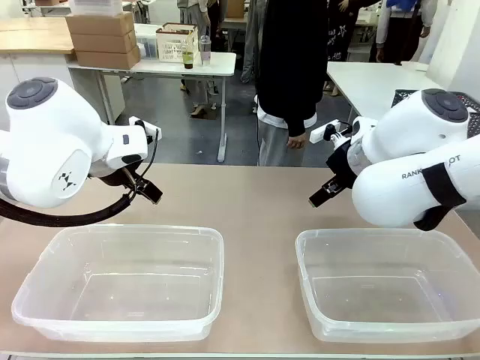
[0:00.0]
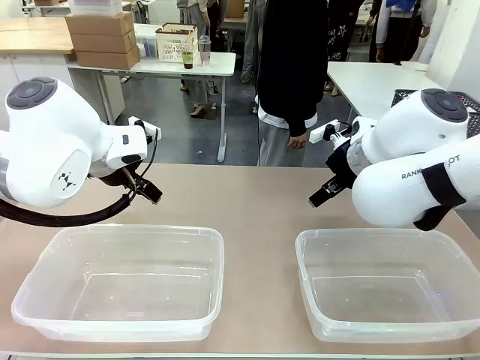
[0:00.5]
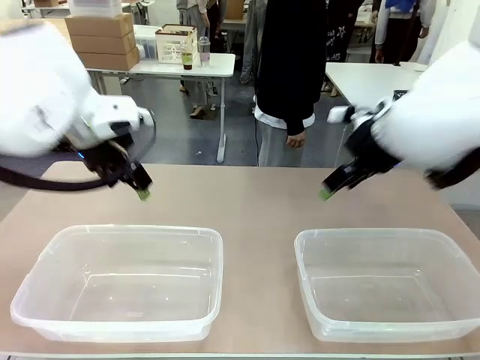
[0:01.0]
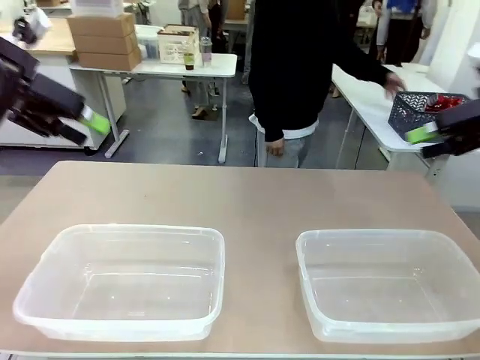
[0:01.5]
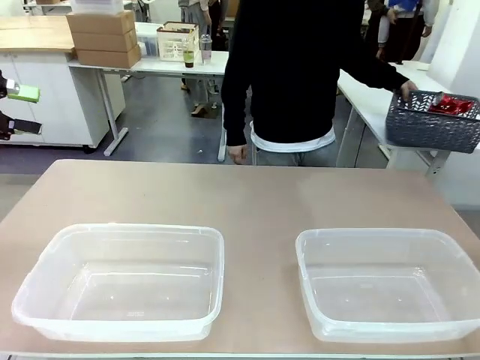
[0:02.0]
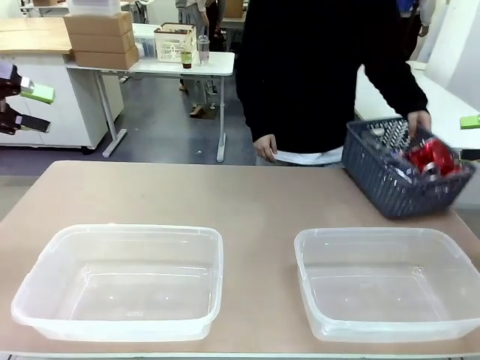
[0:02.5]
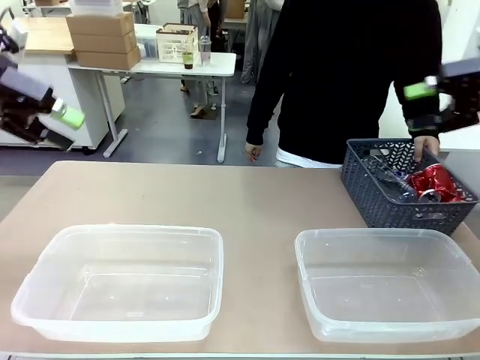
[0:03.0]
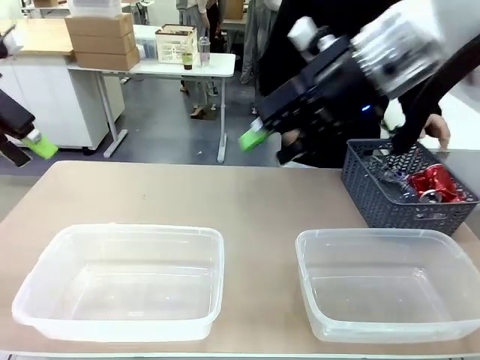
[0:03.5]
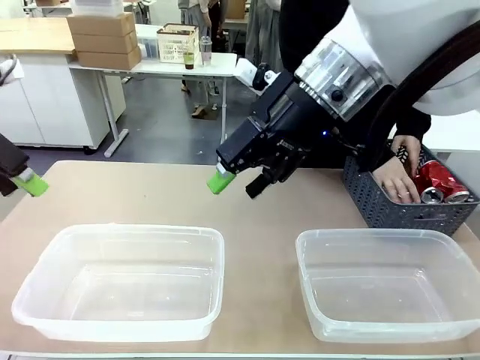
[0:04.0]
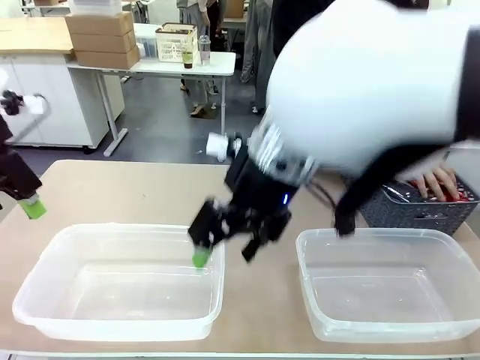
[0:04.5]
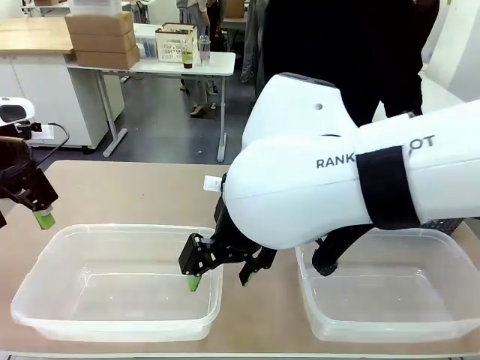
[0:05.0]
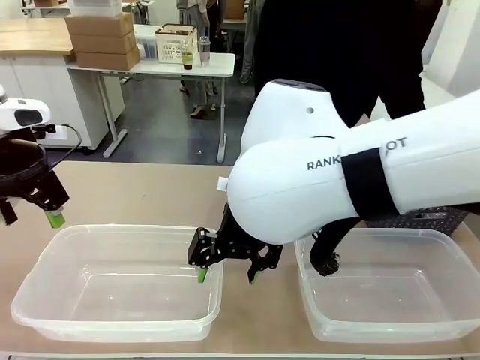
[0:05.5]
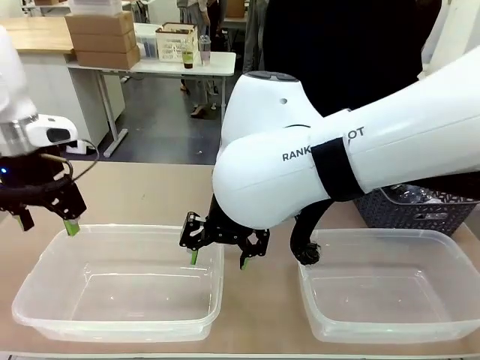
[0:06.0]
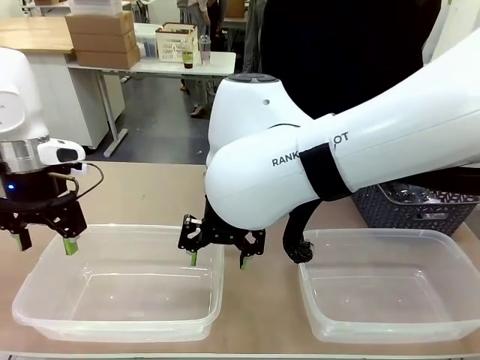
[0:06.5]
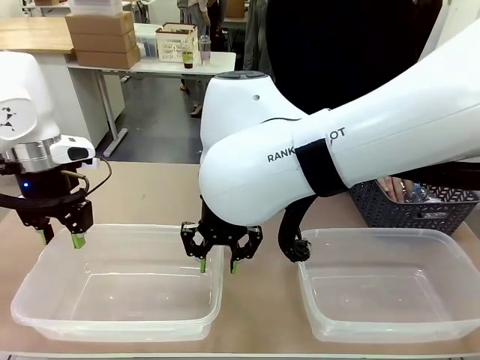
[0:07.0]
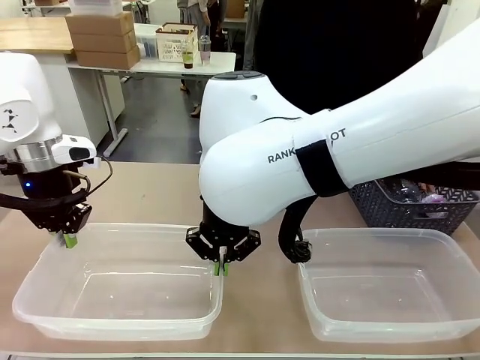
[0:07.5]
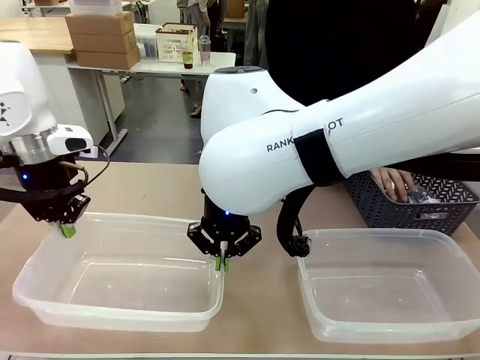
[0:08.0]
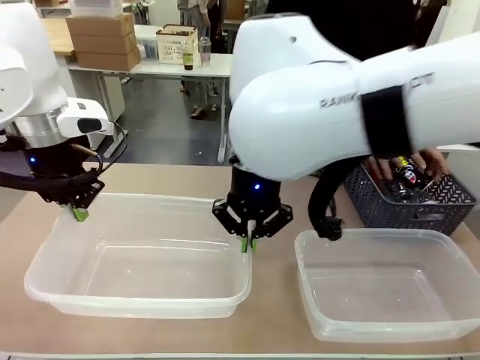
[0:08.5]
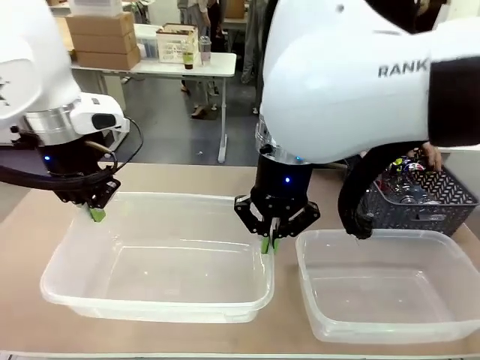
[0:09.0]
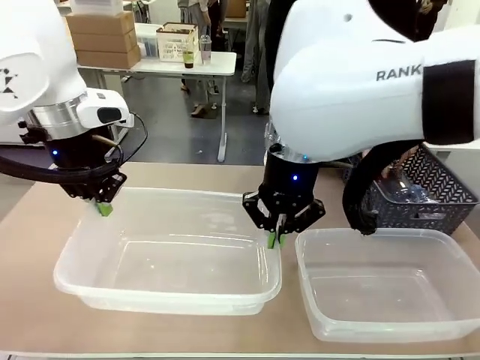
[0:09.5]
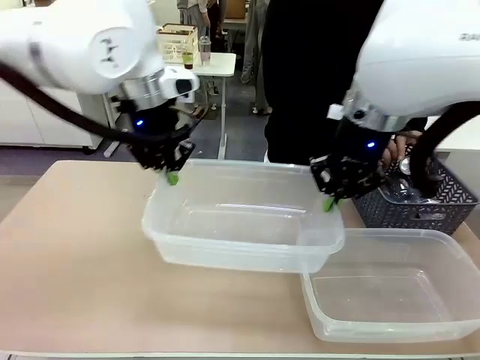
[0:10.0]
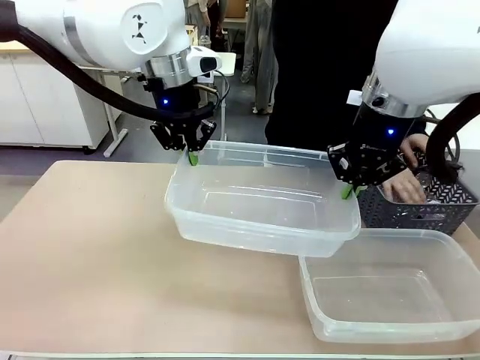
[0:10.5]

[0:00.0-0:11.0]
Robot: Pick up the Organizing box on the left side of the table and lift it.
Person: Pick up the storage basket and place it on the left side of the robot table. Pick up can-shaped waste one by one and place it into the organizing box lifted by the robot.

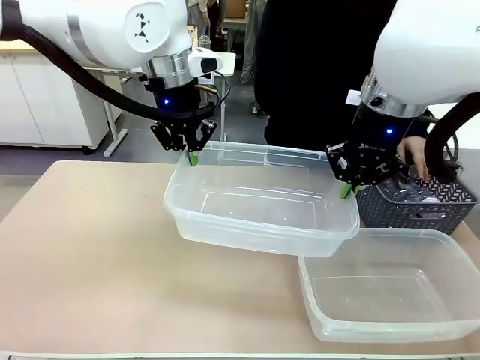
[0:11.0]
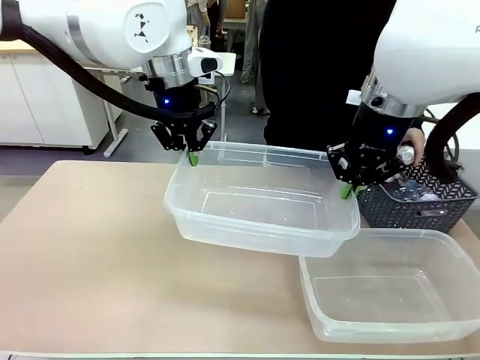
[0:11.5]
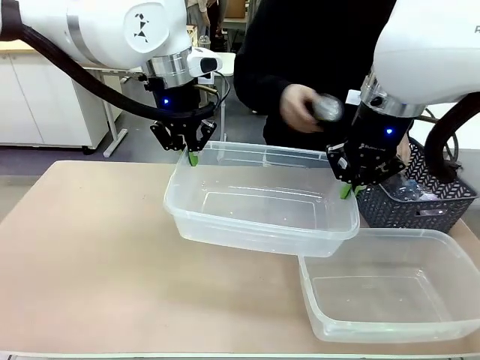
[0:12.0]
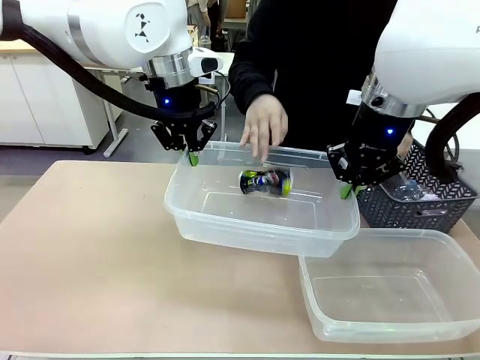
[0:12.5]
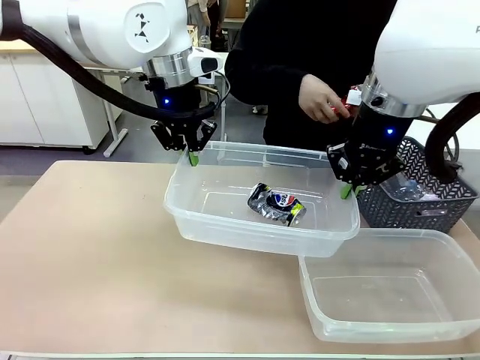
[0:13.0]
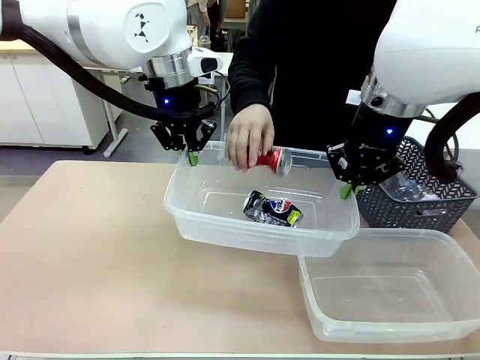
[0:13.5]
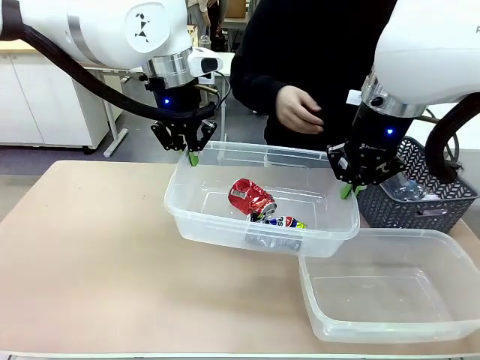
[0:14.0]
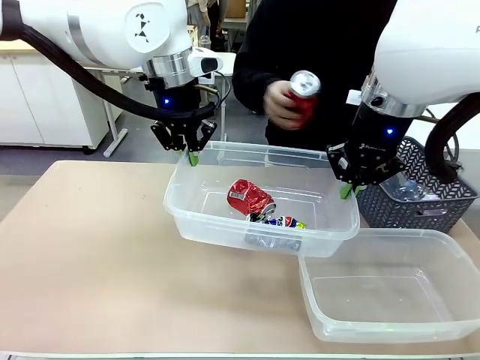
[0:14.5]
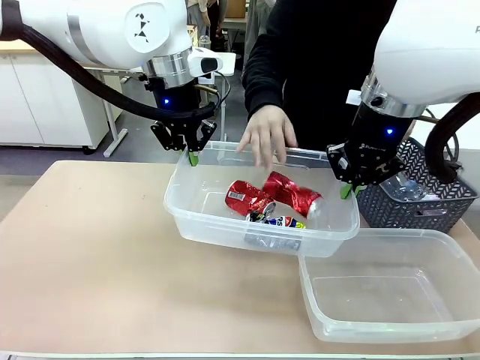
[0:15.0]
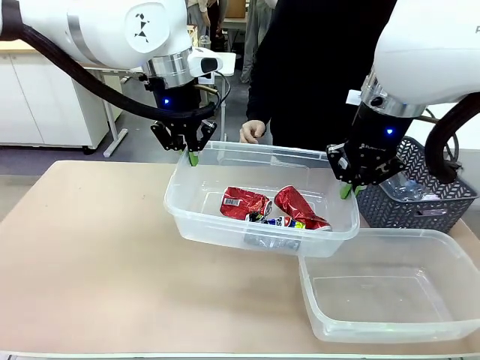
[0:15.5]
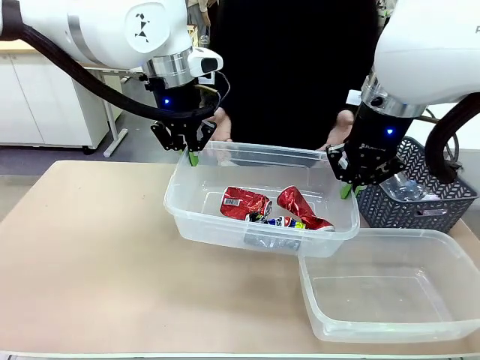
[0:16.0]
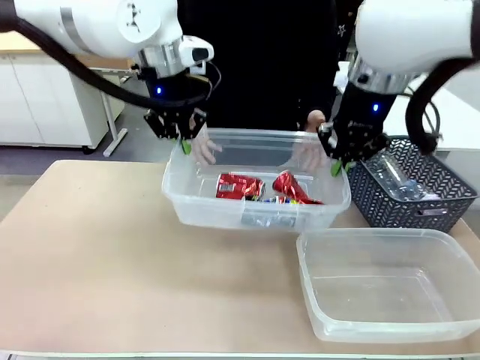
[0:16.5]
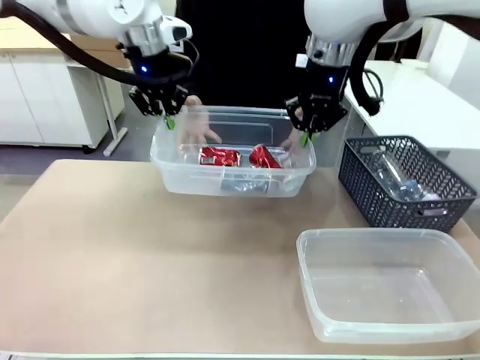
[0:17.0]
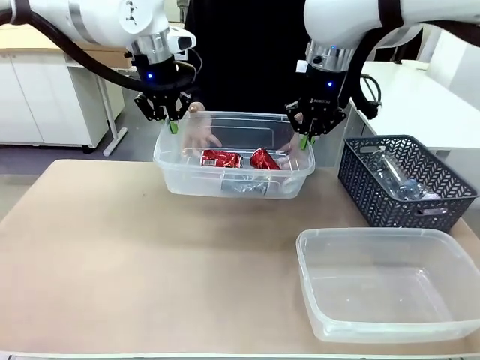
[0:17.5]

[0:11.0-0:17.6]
Robot: Offer the picked Organizing box to the human.

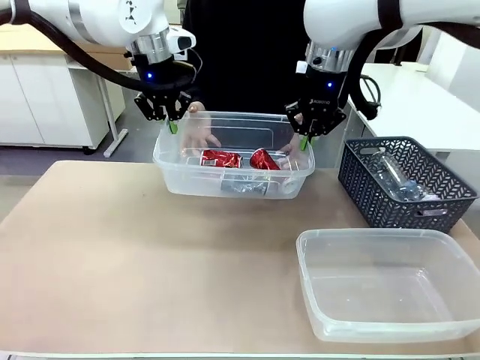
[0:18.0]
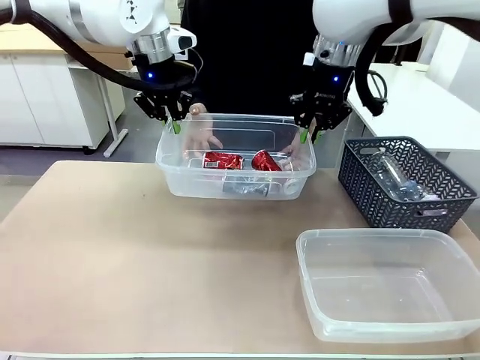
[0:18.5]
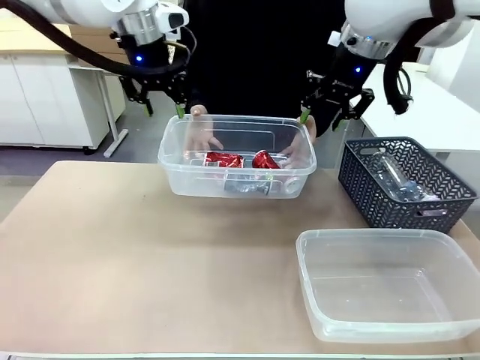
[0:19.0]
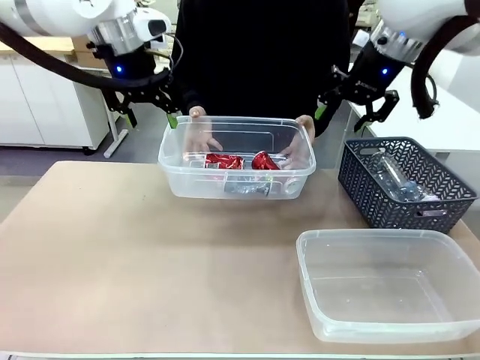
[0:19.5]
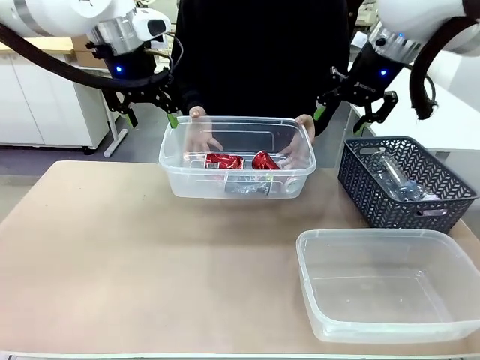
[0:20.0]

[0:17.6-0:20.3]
Robot: Release the Organizing box you were holding.

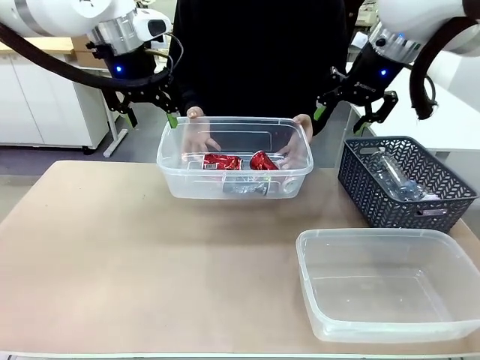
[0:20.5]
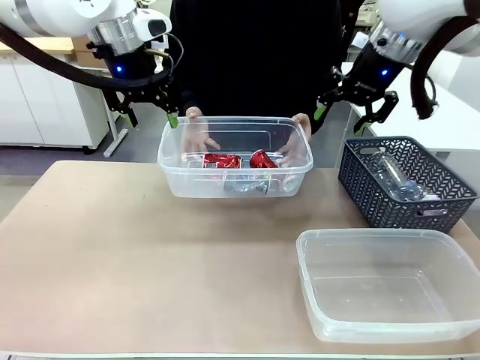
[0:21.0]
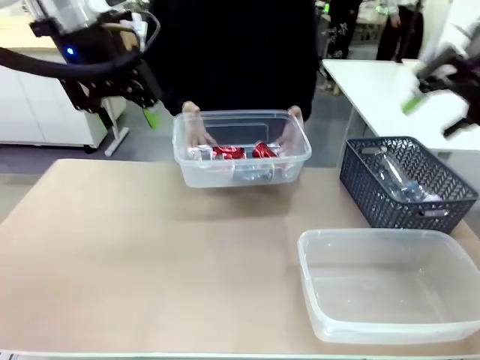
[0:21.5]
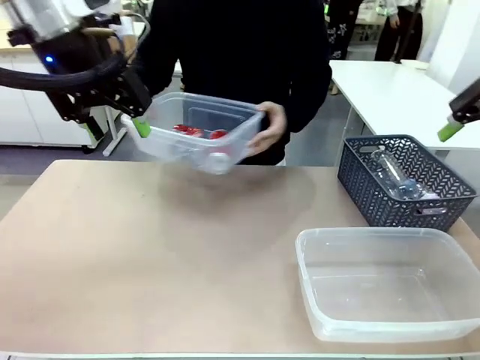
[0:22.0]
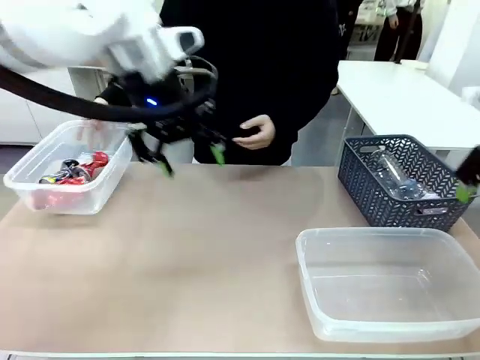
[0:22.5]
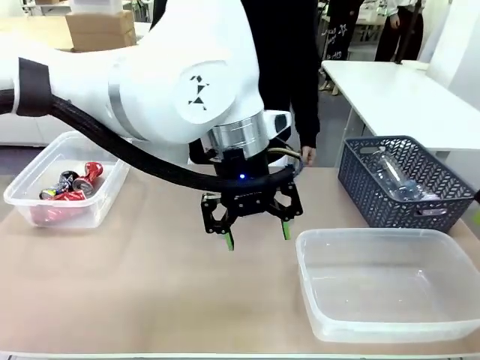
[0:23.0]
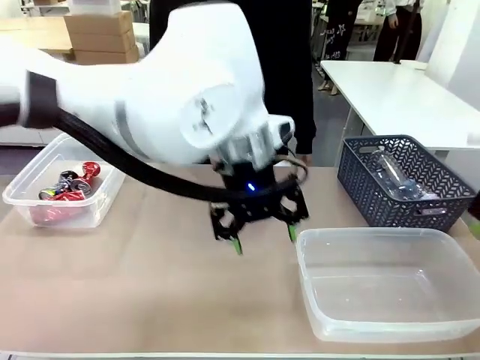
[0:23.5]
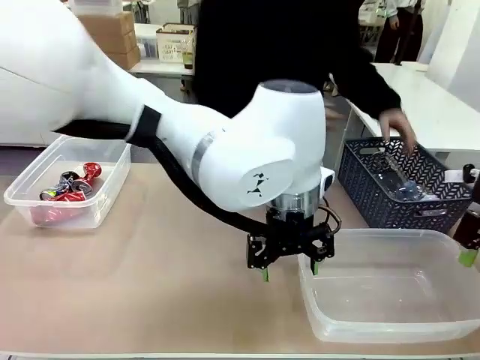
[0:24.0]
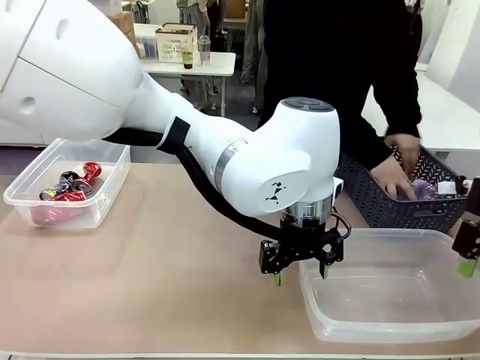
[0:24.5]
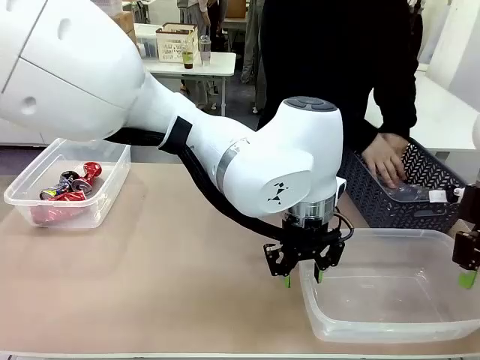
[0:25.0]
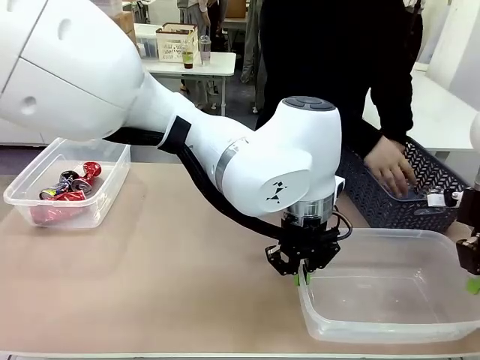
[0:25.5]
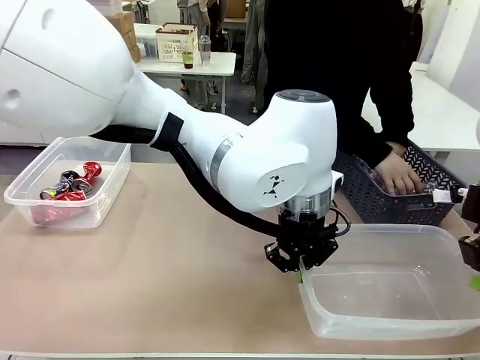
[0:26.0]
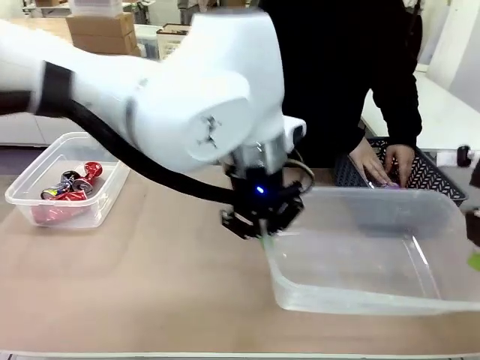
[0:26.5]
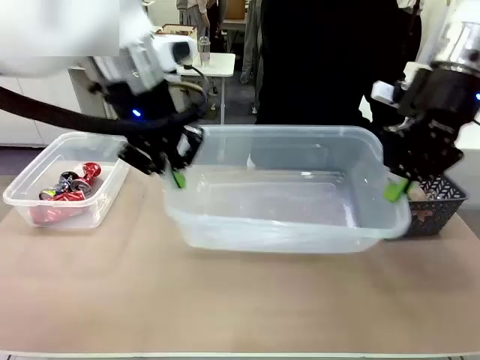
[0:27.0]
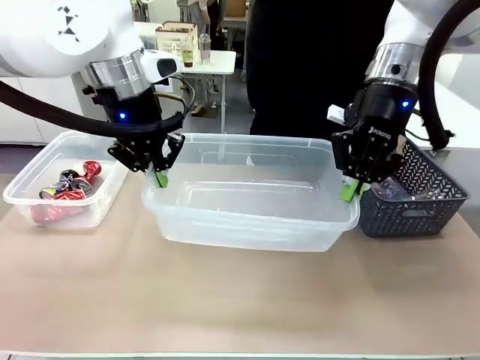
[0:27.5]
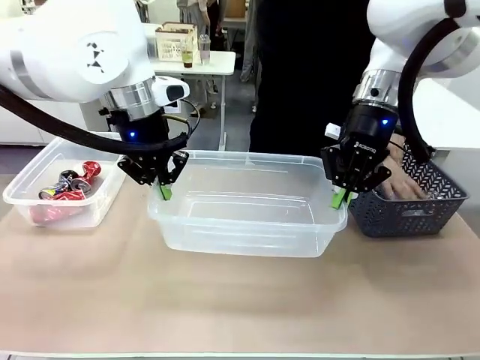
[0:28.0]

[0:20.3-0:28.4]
Robot: Pick up the Organizing box on the right side of the table and lift it.
Person: Place it at the edge of the bottom right area of the robot table. Pick up plastic waste one by one and place it into the organizing box lifted by the robot.
